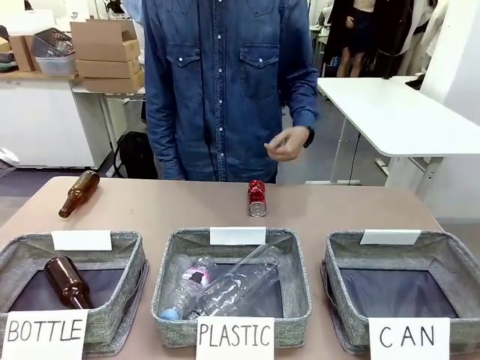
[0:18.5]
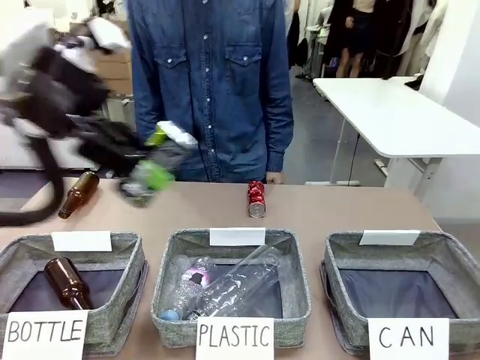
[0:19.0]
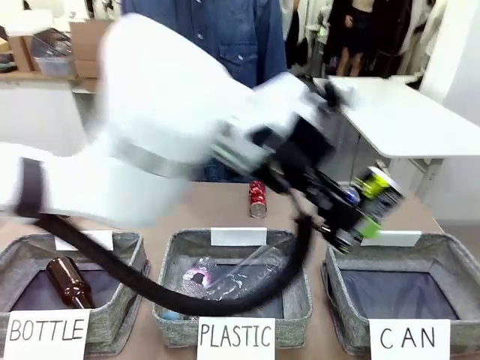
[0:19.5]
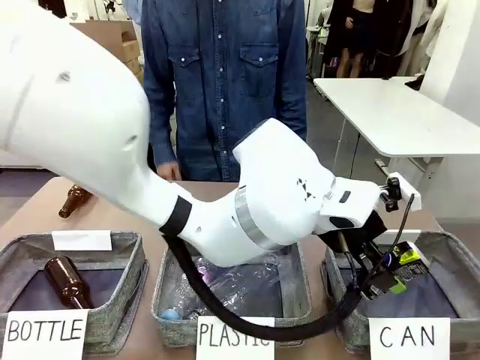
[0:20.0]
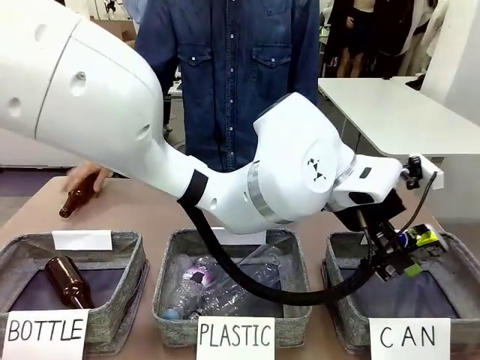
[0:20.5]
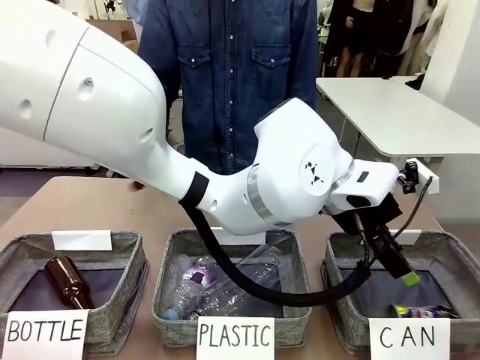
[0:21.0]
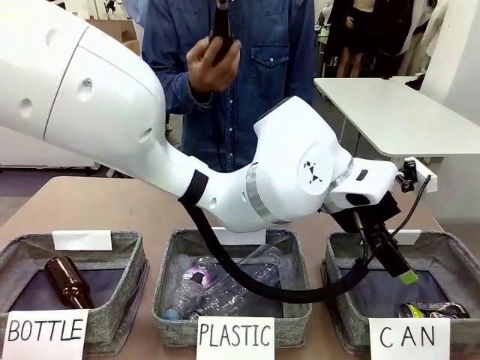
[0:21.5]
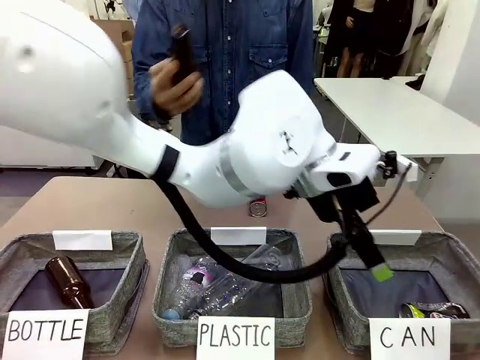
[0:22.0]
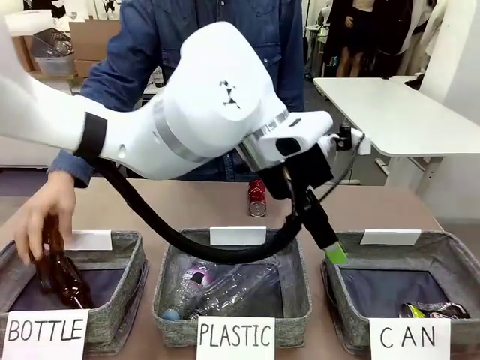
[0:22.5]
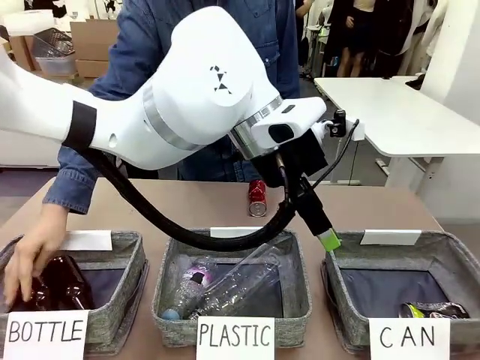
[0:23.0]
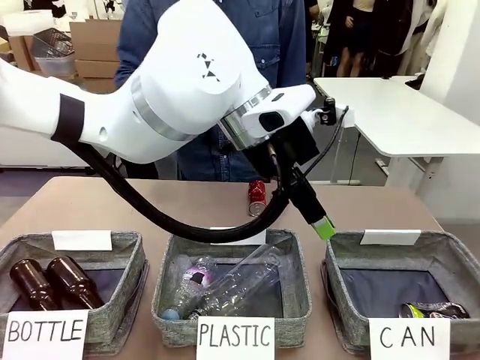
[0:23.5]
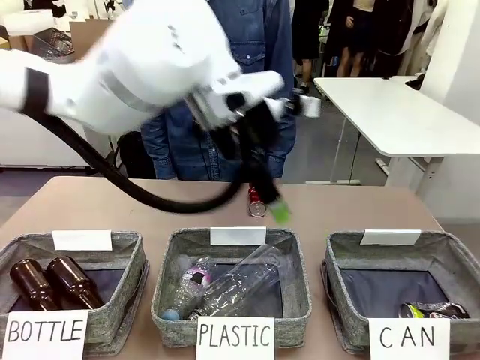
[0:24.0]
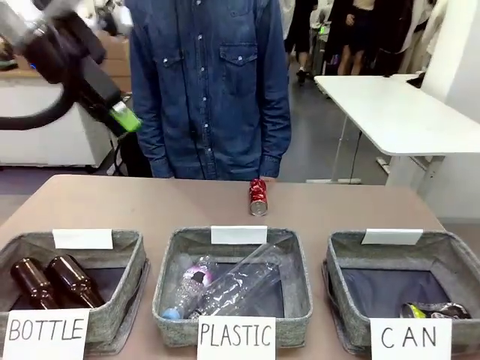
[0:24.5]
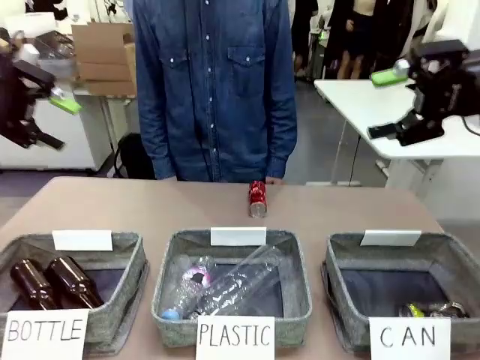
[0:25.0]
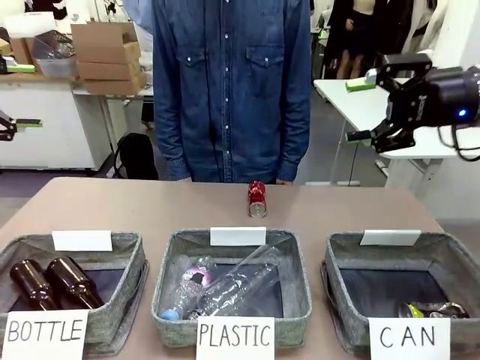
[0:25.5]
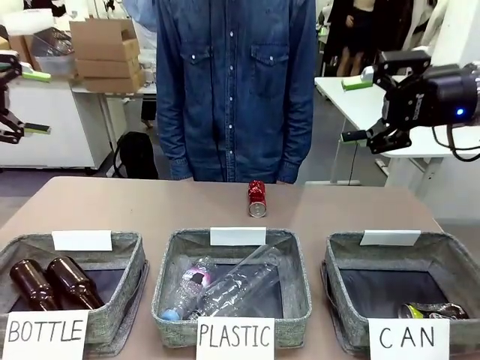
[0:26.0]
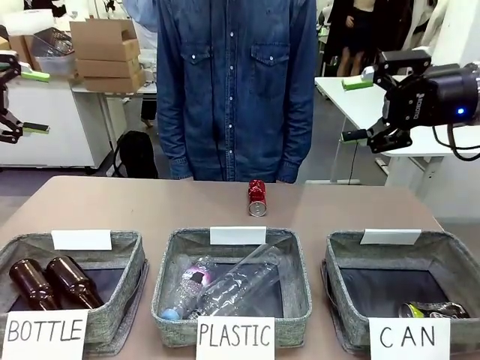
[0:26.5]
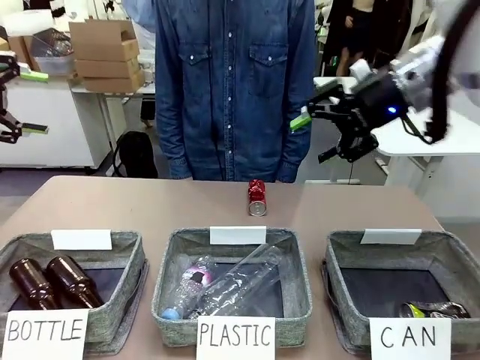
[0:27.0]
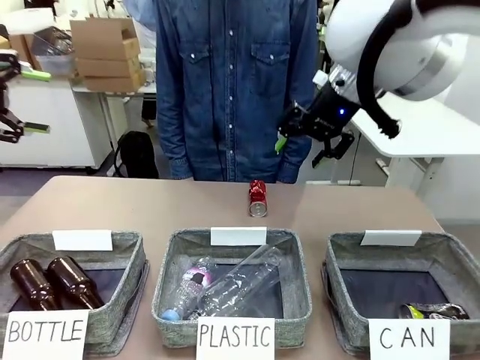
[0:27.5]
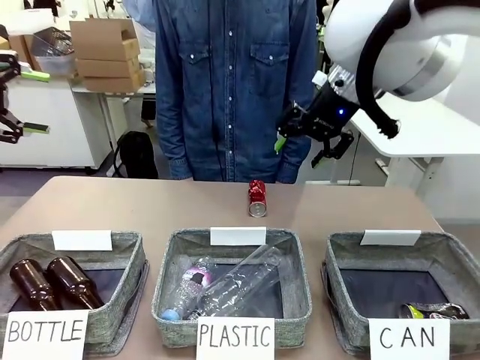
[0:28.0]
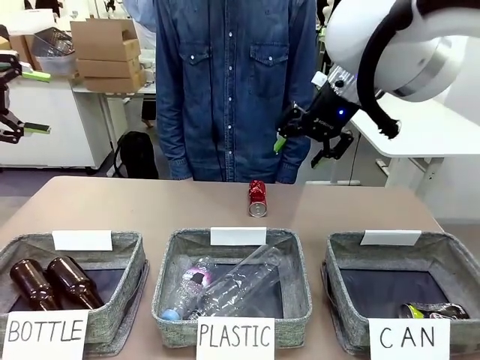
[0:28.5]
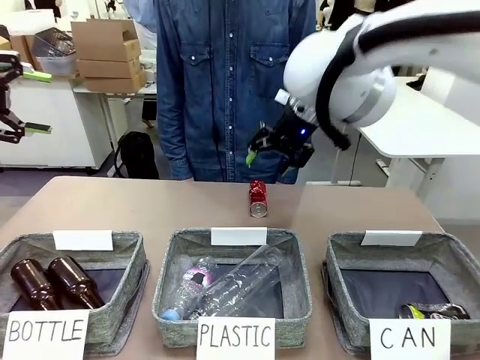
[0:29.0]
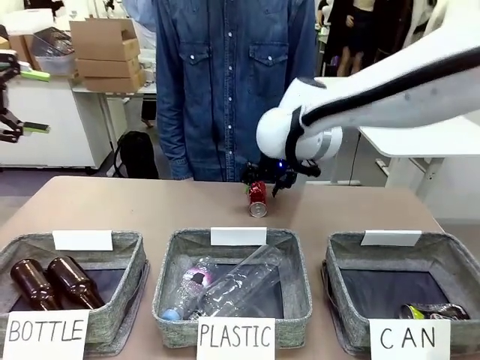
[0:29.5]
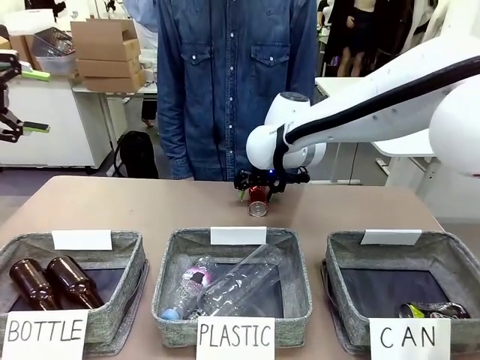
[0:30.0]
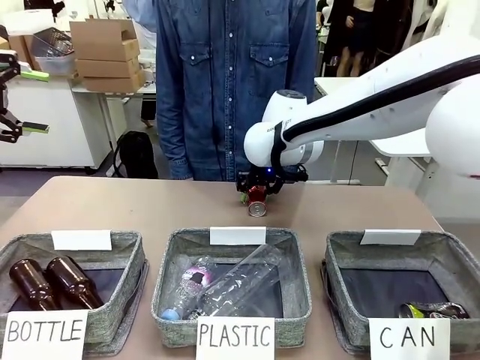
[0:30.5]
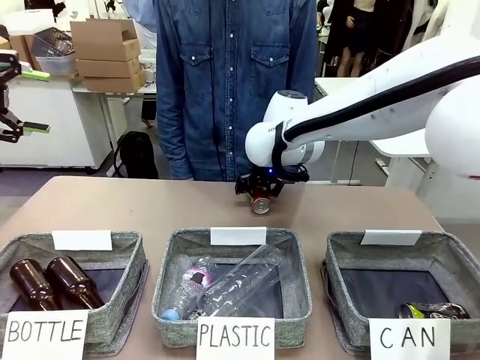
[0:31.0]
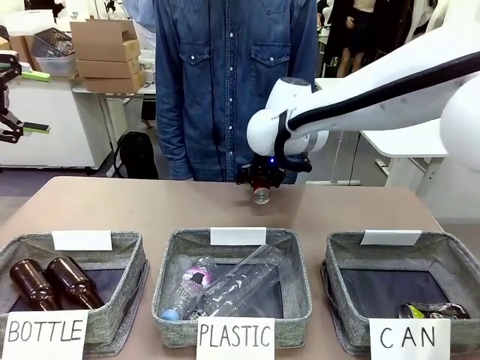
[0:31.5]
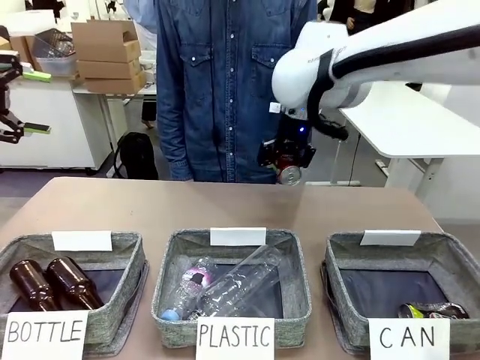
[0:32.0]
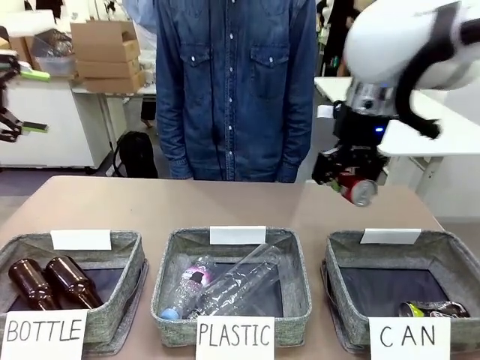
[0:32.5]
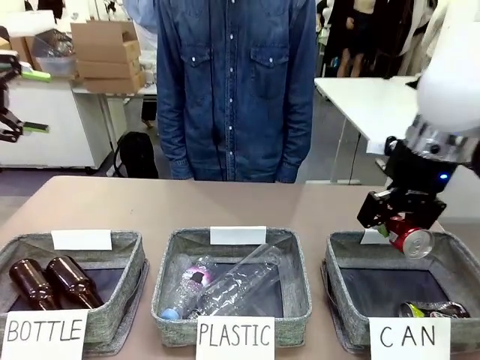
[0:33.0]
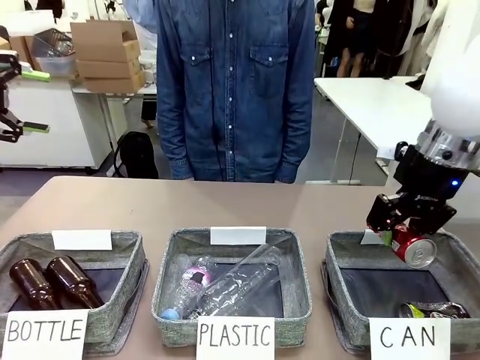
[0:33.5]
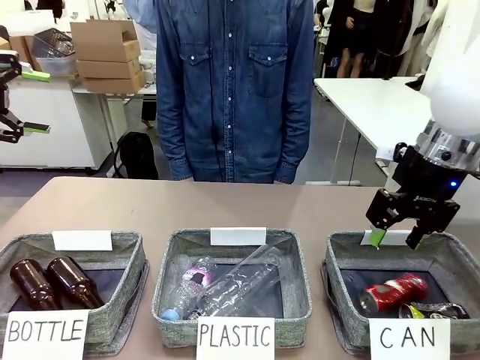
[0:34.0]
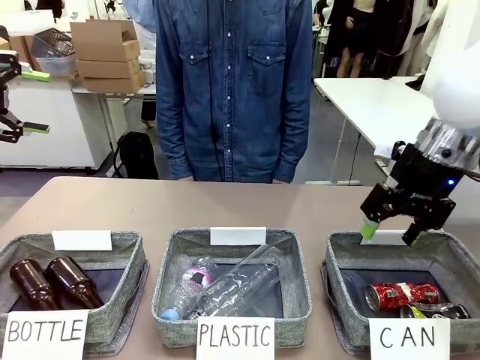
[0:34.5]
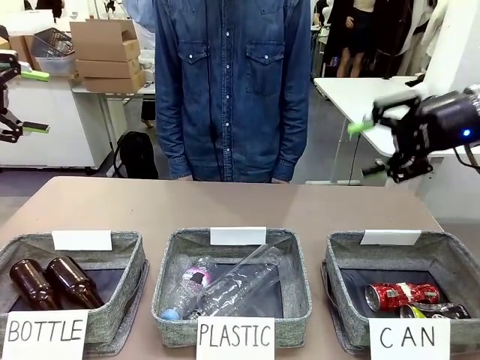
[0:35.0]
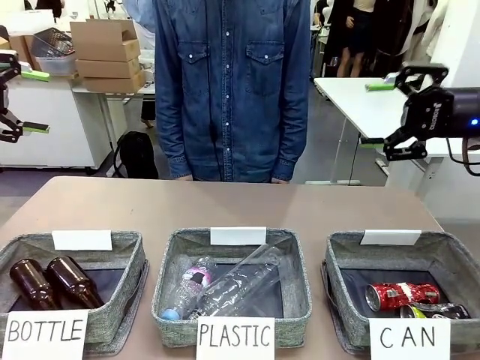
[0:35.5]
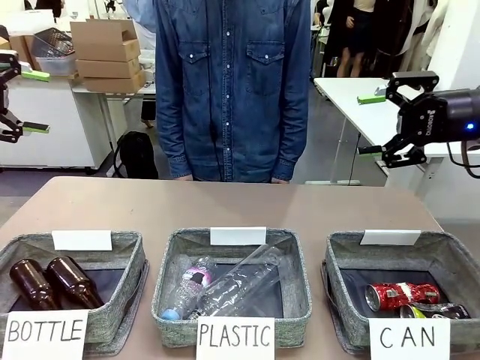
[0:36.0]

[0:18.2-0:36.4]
Task: Sort the can waste into the basket.
Robot: Pick up the can waste from the table and place it in the right Fabric basket.
